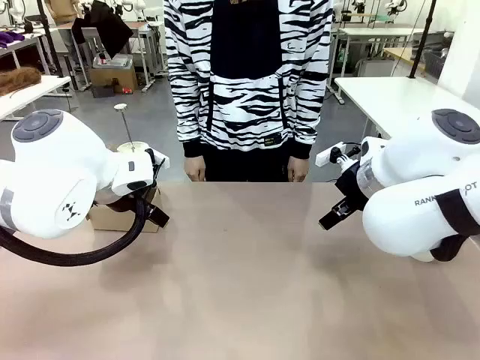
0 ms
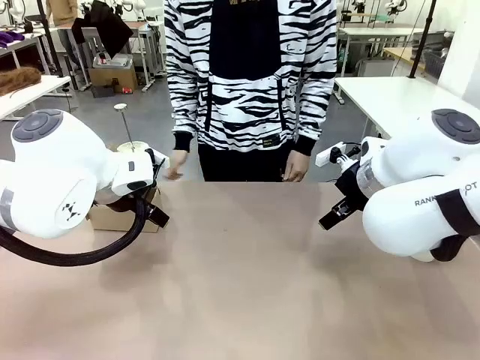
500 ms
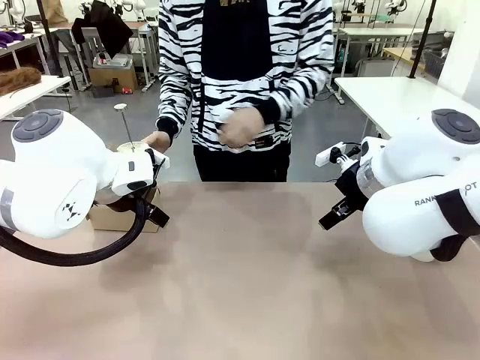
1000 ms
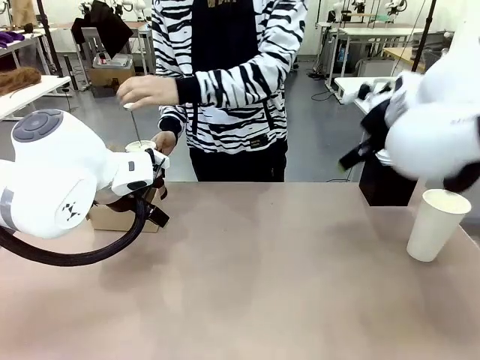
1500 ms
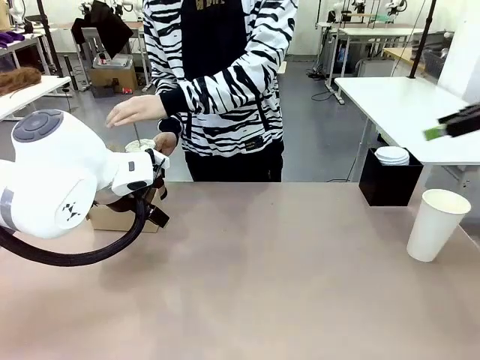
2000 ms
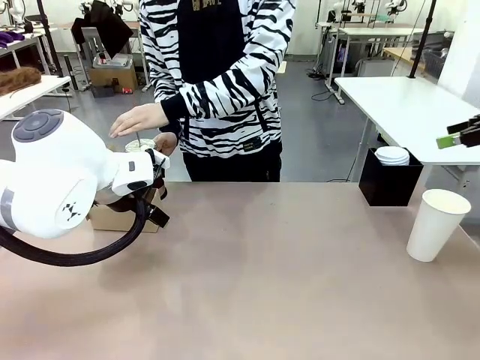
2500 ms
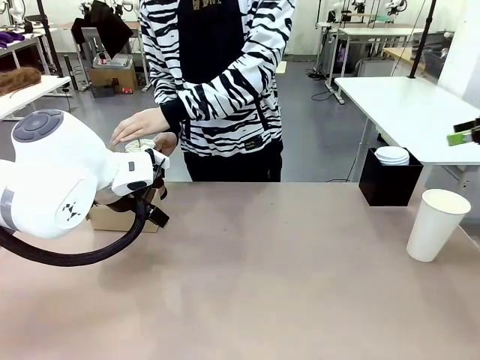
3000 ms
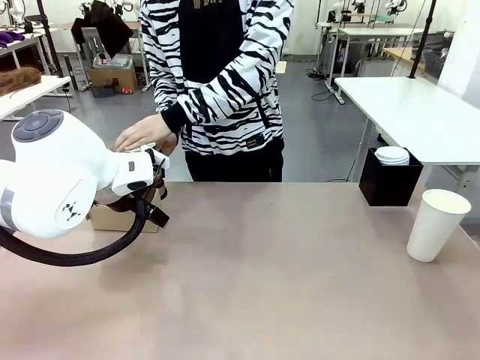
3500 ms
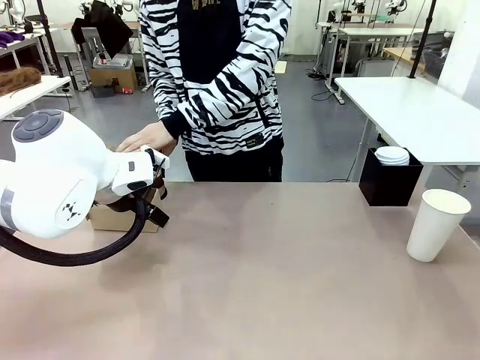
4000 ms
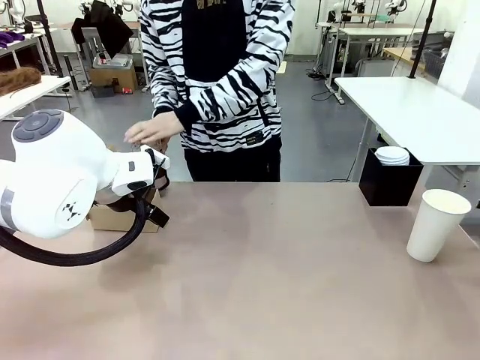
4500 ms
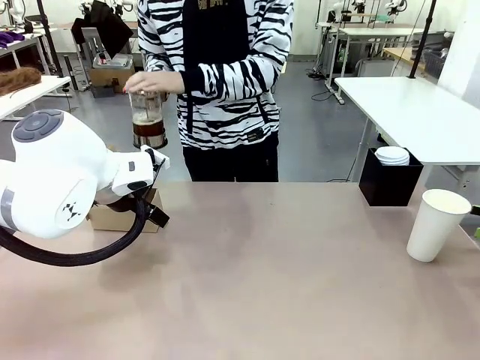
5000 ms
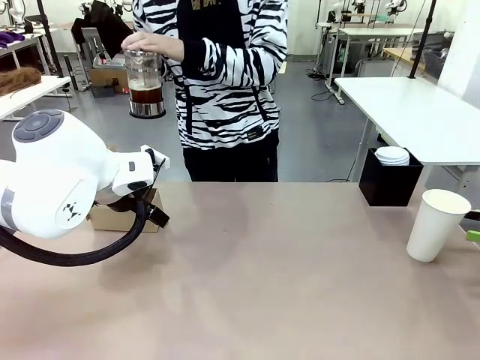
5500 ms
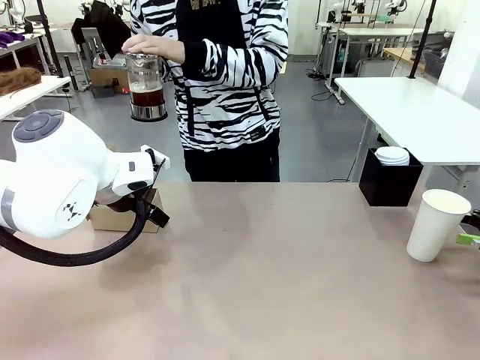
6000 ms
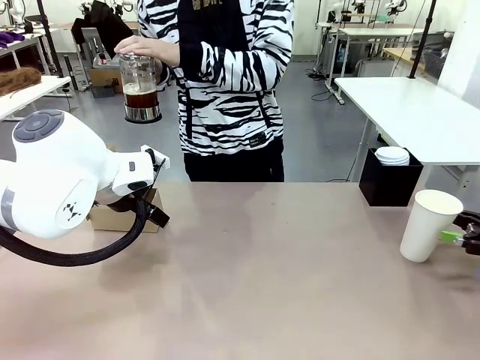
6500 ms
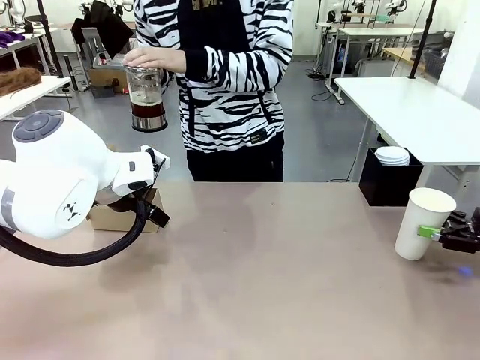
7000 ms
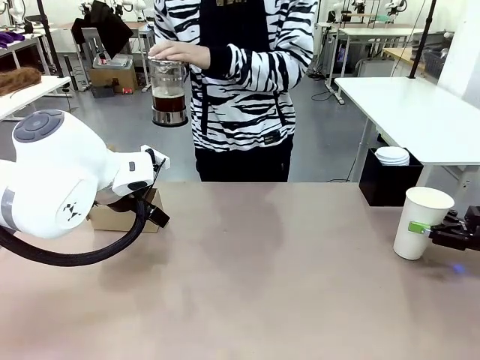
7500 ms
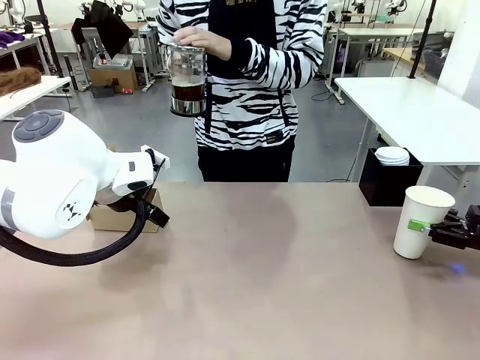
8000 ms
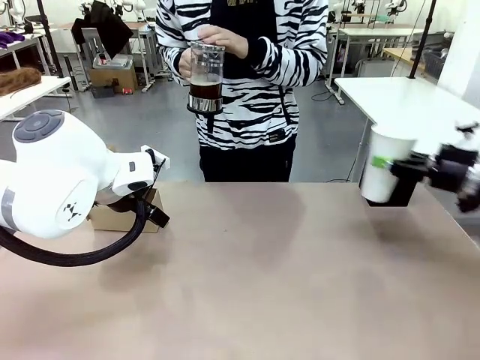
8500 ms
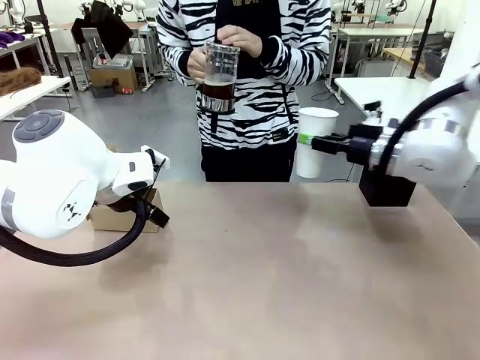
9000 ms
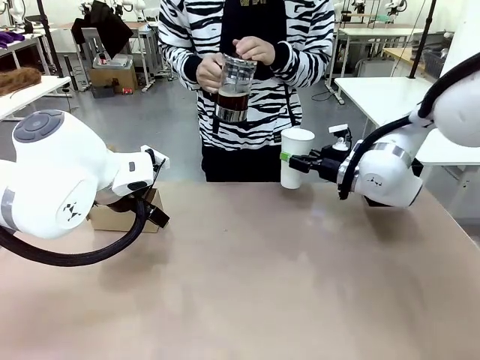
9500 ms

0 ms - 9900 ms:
Task: Pour a drink into a cup and package it in a carrier.
Robot: Pick up the 600 ml Paper Cup and place it in the middle top area of the table.
Person: Press and pick up the Filter Brewing.

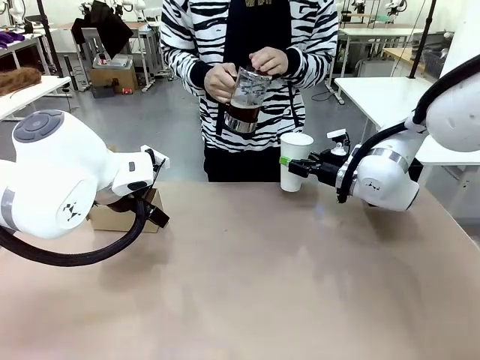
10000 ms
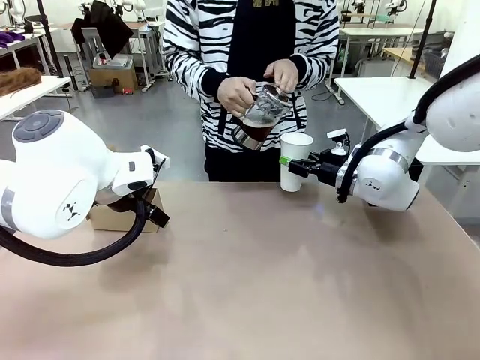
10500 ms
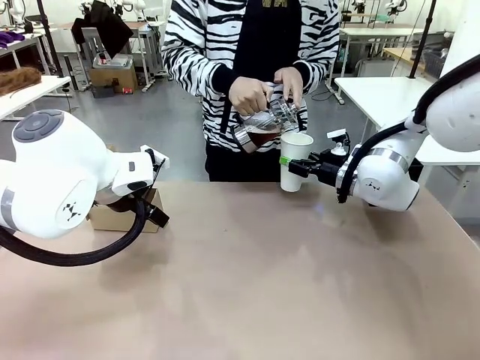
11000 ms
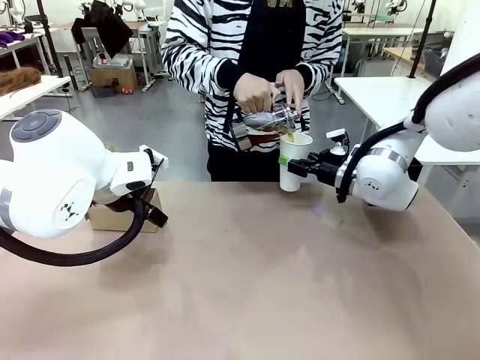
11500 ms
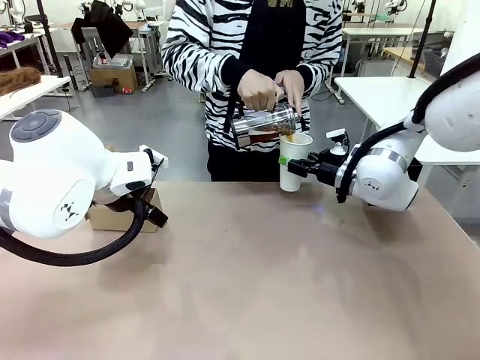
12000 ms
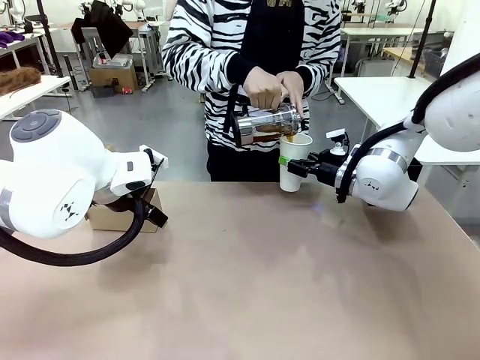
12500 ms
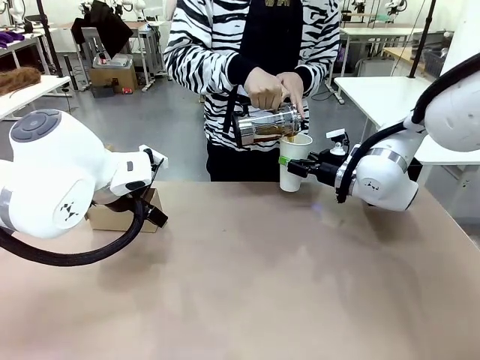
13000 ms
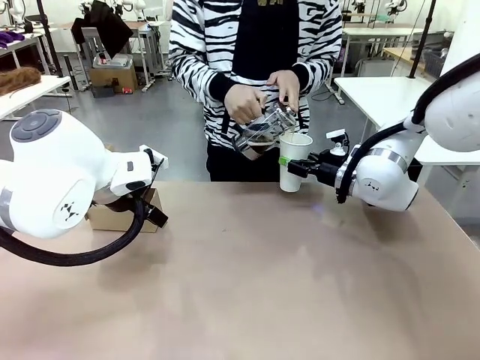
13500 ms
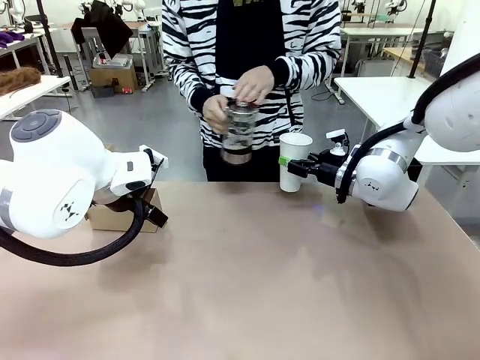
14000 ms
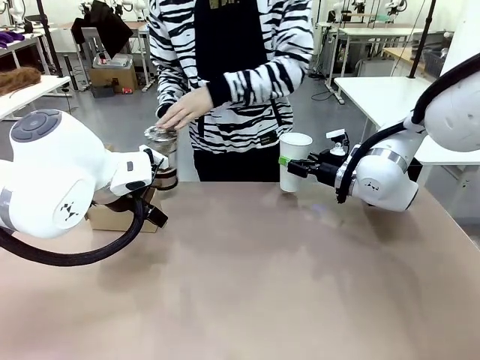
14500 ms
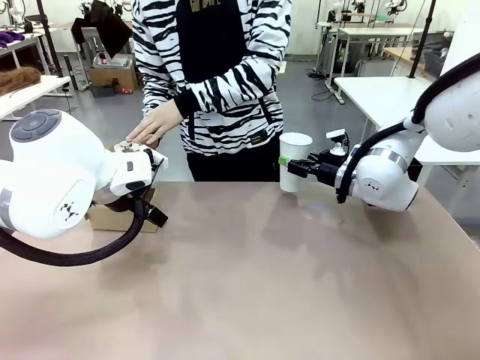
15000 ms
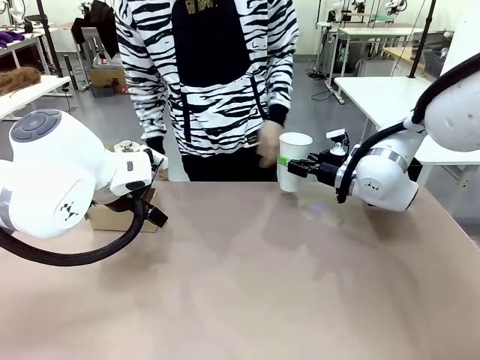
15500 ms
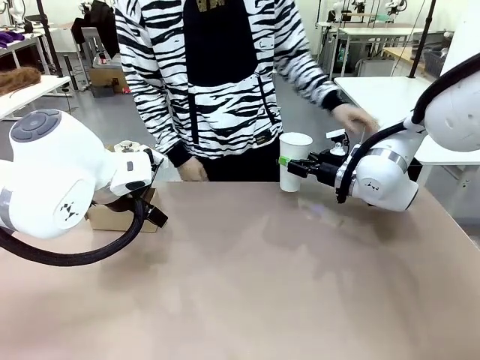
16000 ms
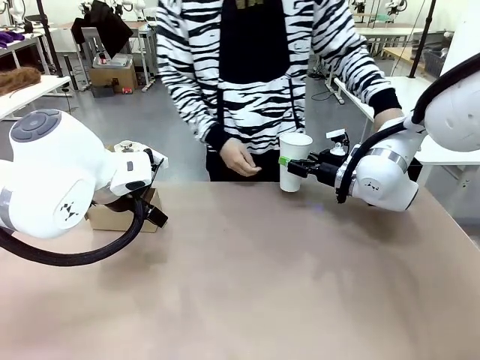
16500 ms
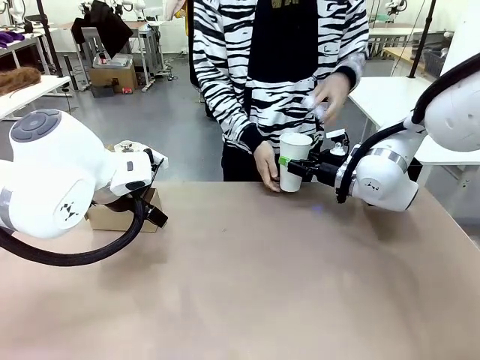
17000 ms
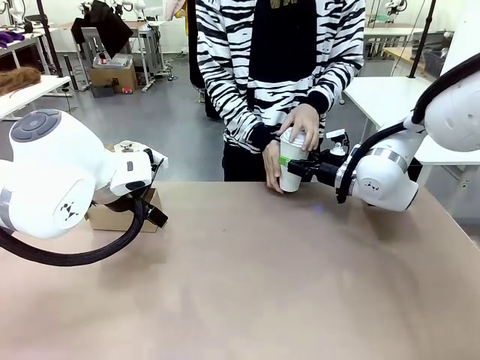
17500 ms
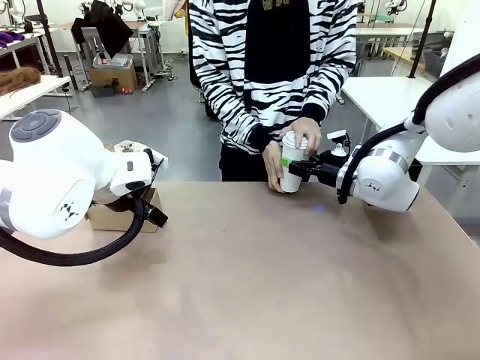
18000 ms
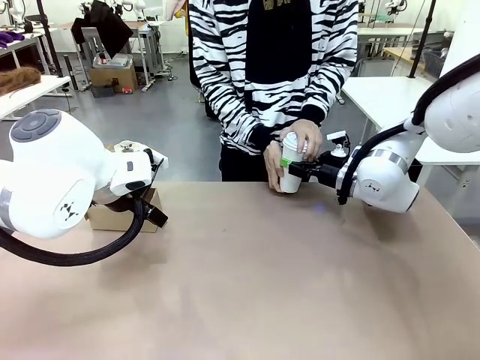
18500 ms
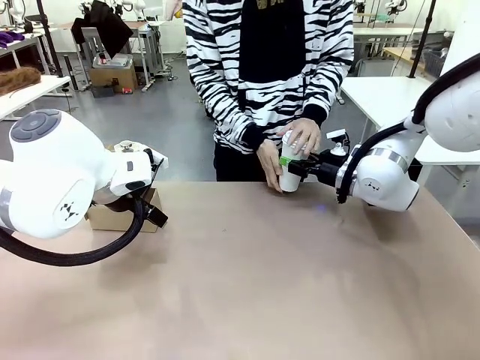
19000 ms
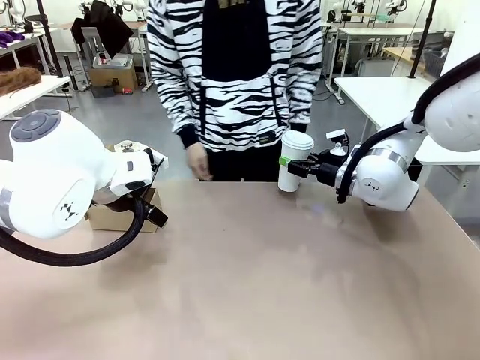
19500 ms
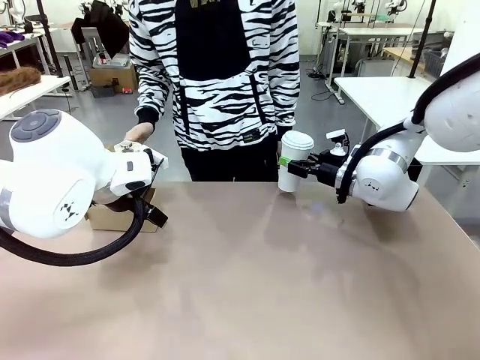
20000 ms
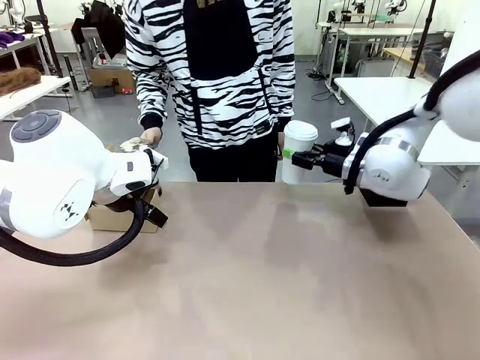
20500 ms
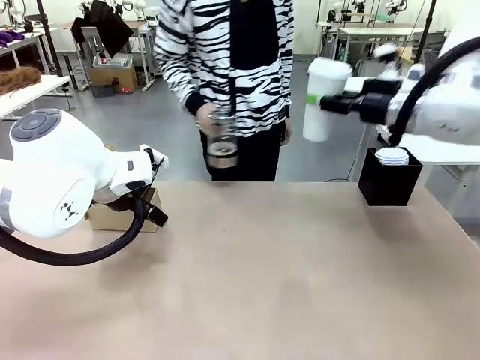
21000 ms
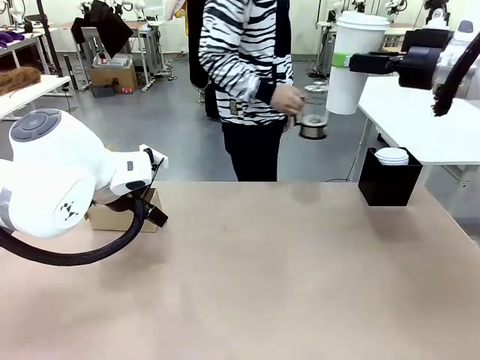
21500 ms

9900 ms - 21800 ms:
Robot: When a person places the Paper Cup Lid on the 600 ml Paper Cup , lift the 600 ml Paper Cup.
Person: Pour the drink from the Filter Brewing into the 600 ml Paper Cup. Place a Paper Cup Lid on the 600 ml Paper Cup.

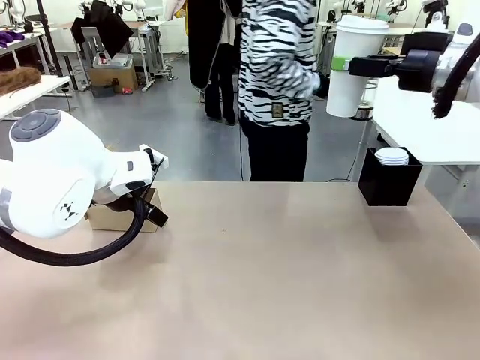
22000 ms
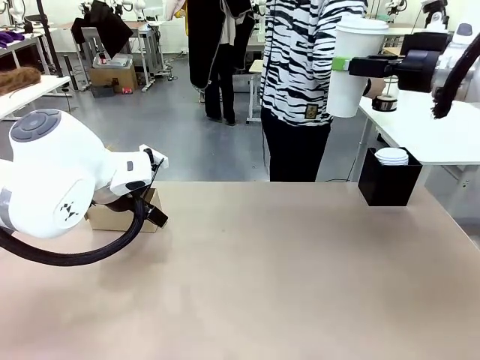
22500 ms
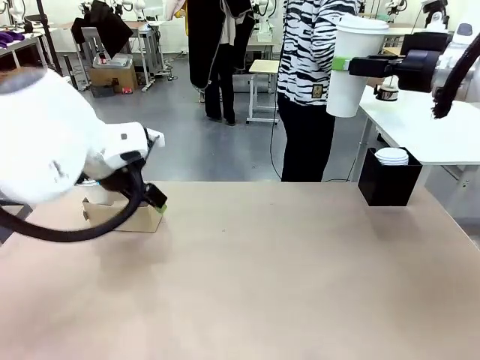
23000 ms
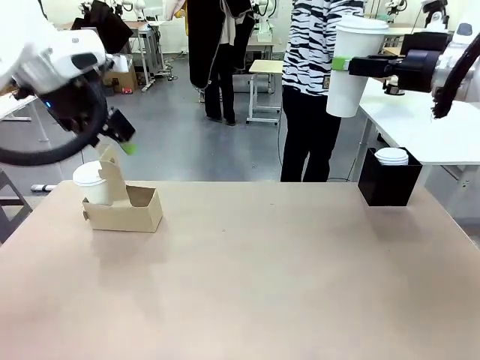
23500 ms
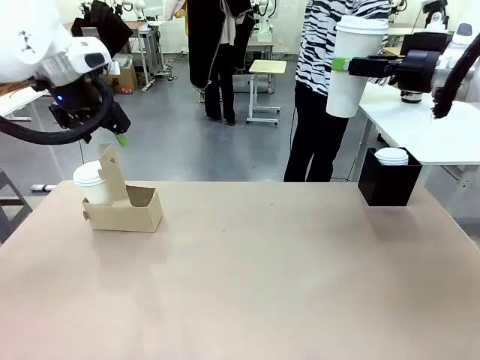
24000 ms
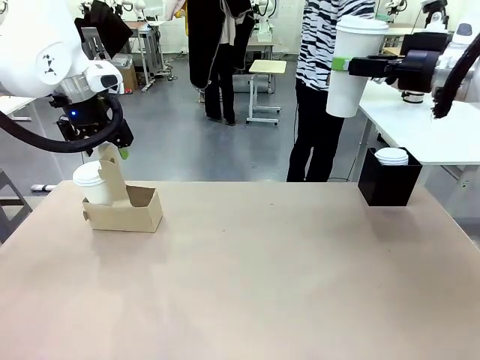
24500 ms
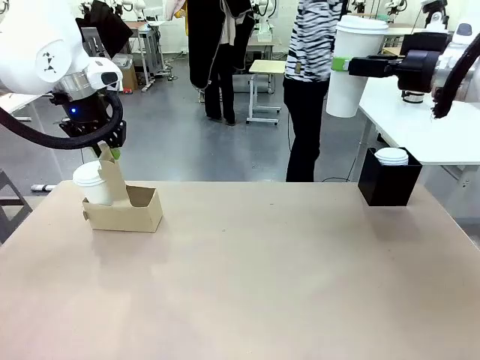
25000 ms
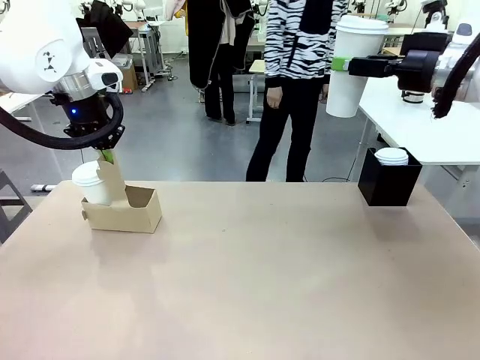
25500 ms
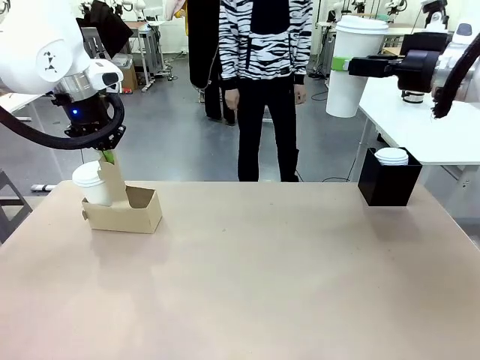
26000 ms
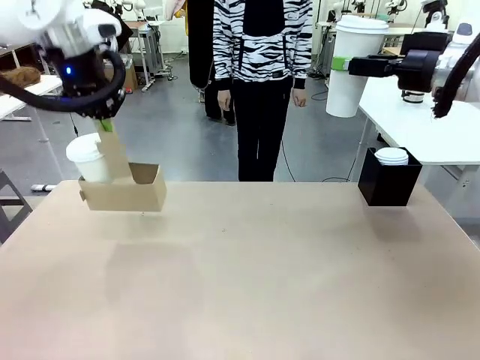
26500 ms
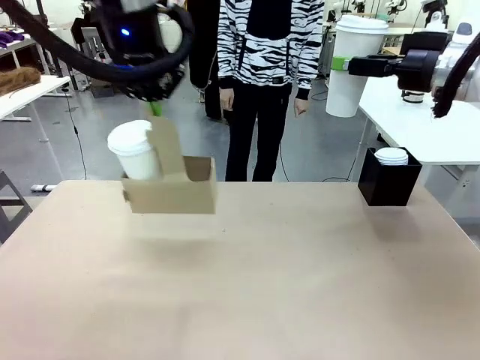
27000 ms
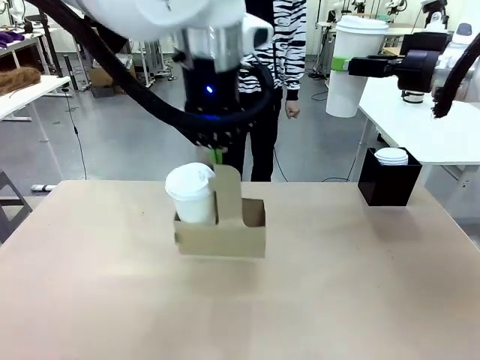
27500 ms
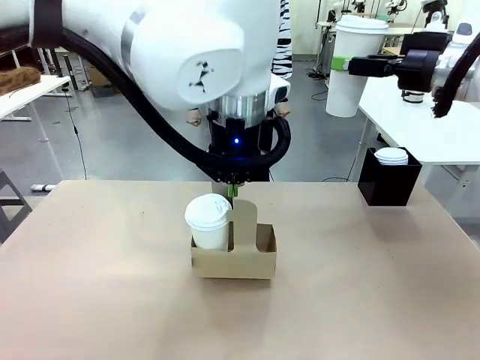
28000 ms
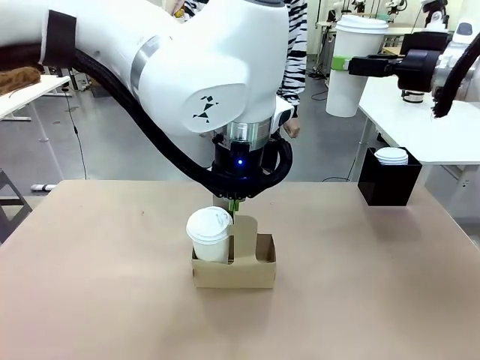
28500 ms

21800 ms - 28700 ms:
Robot: Position the Cup Carrier in the center of the table.
Person: Pick up the Filter Brewing and place on the middle of Human table, and return to the Robot table.
